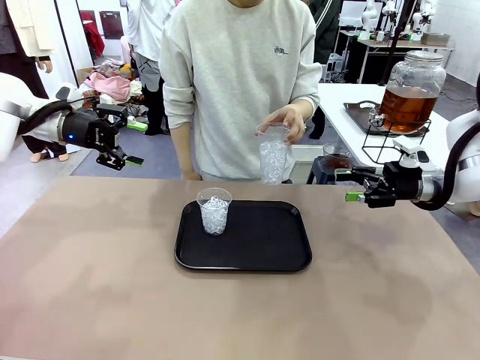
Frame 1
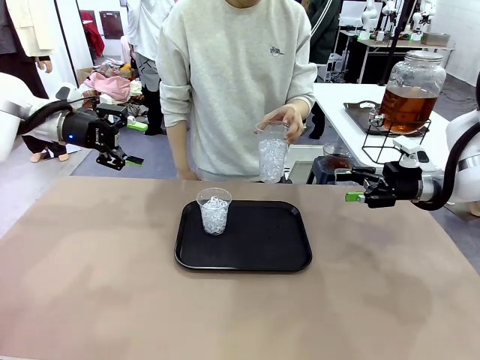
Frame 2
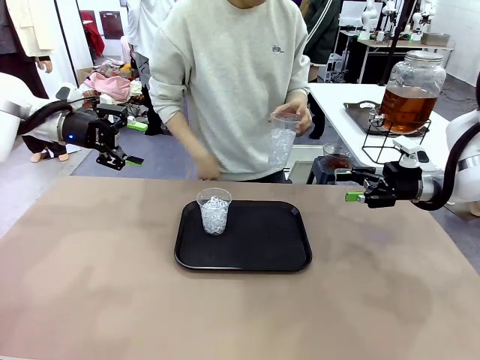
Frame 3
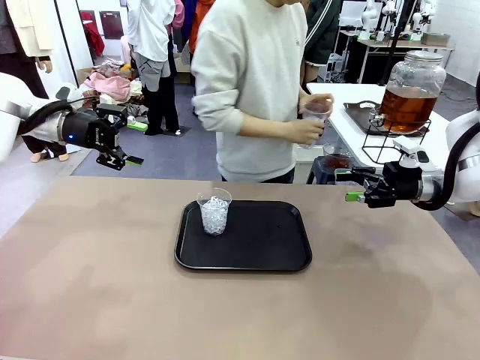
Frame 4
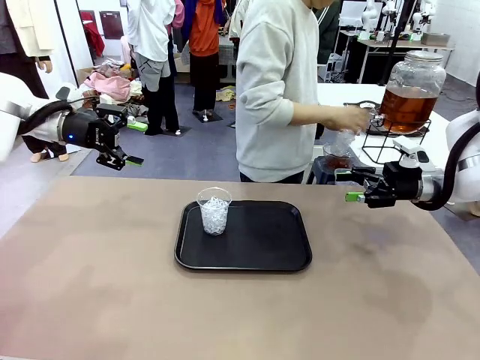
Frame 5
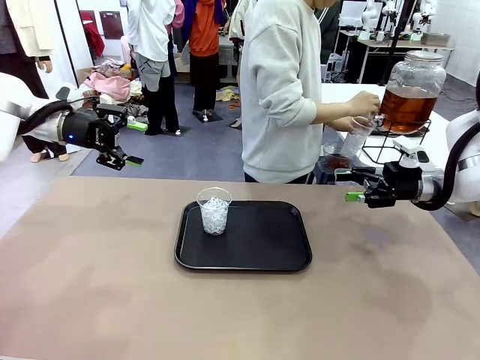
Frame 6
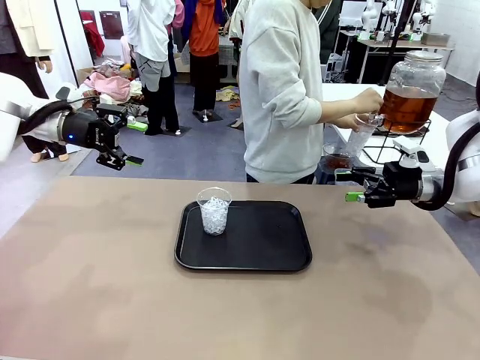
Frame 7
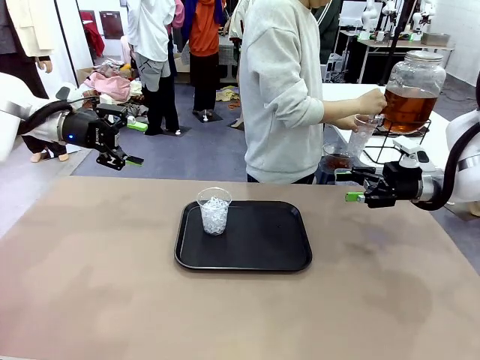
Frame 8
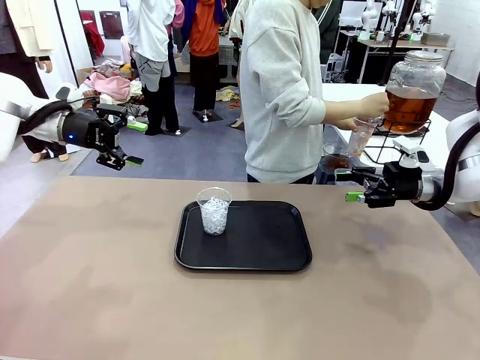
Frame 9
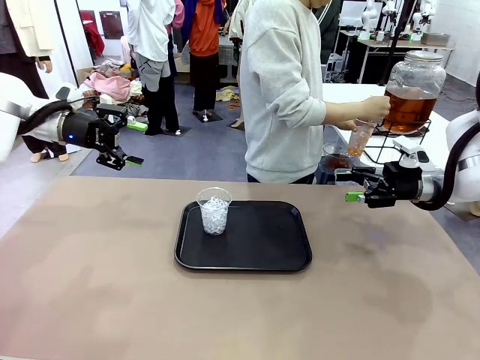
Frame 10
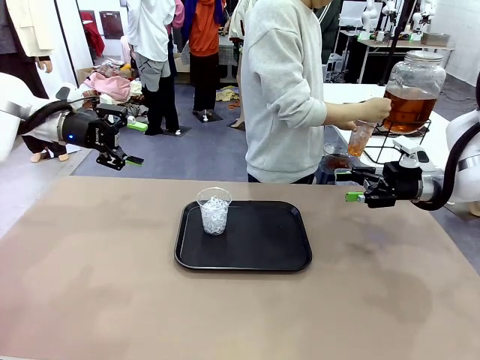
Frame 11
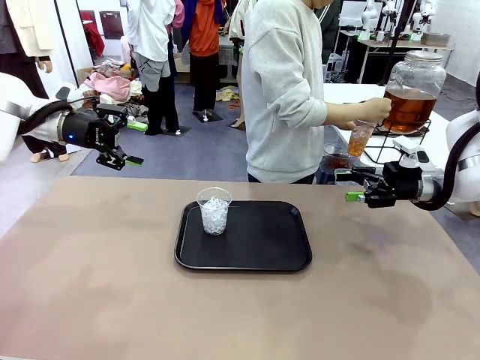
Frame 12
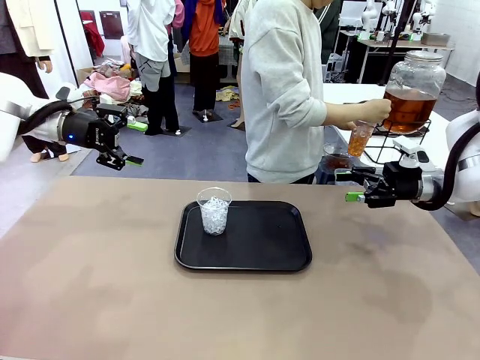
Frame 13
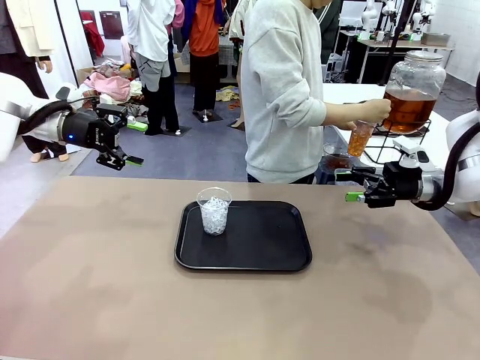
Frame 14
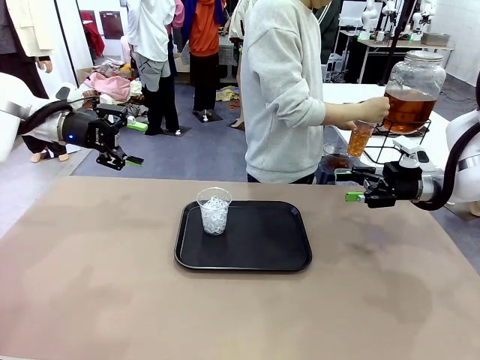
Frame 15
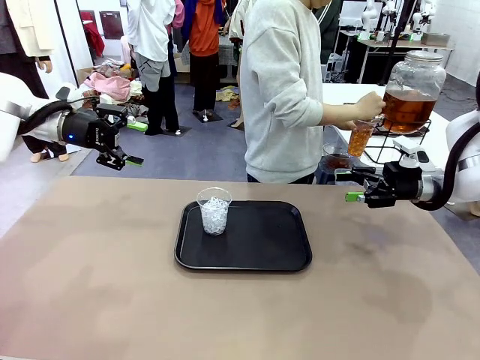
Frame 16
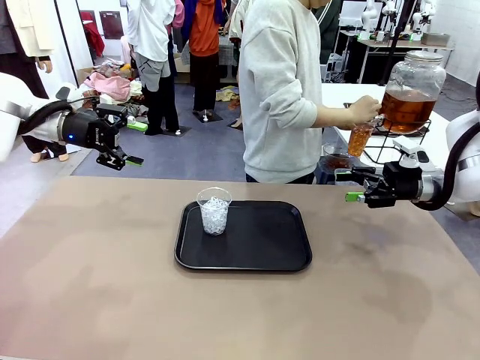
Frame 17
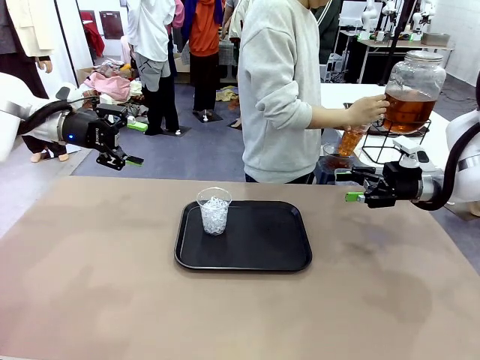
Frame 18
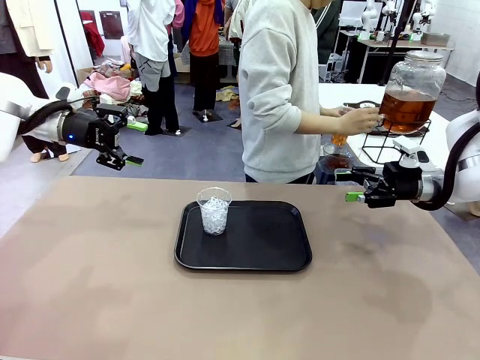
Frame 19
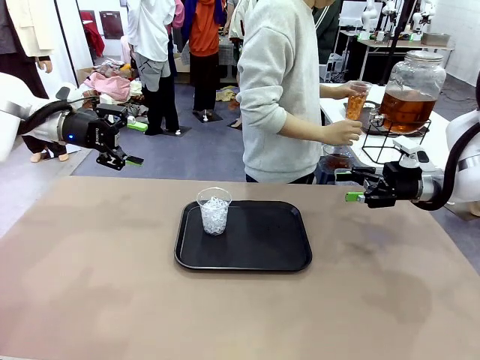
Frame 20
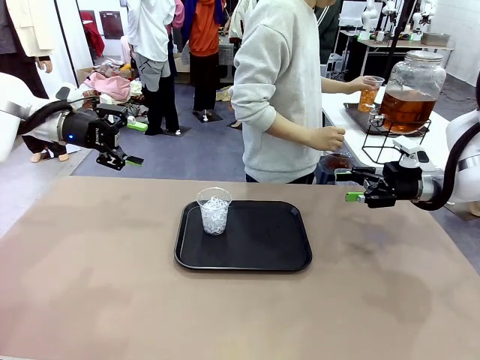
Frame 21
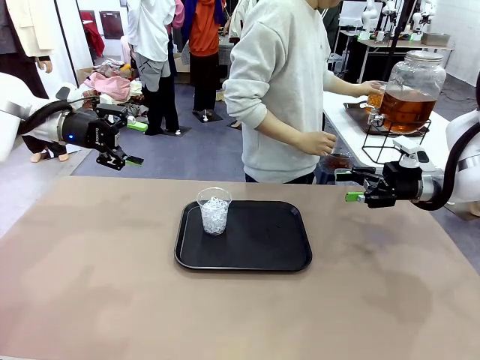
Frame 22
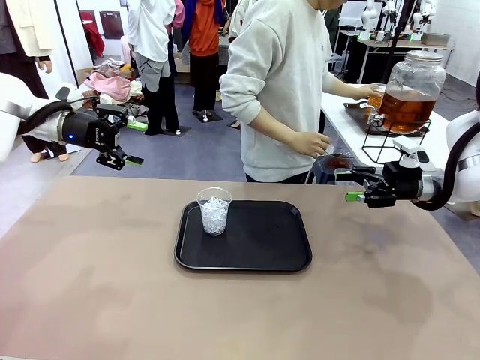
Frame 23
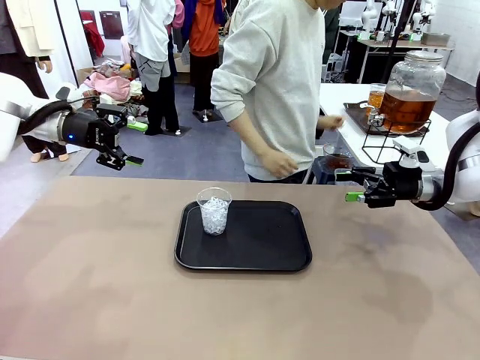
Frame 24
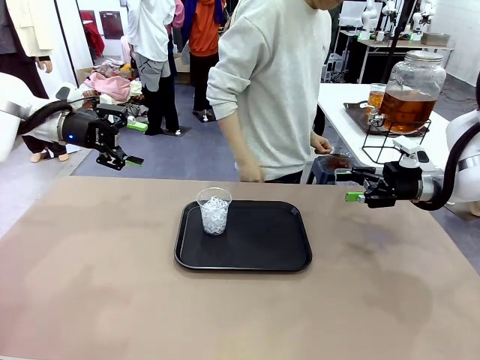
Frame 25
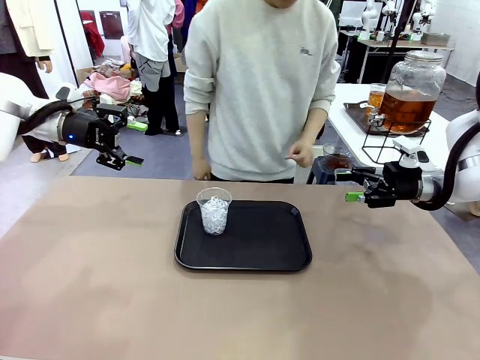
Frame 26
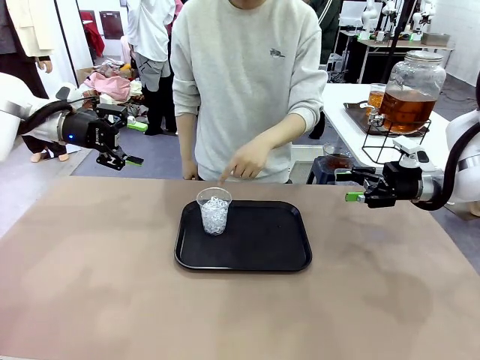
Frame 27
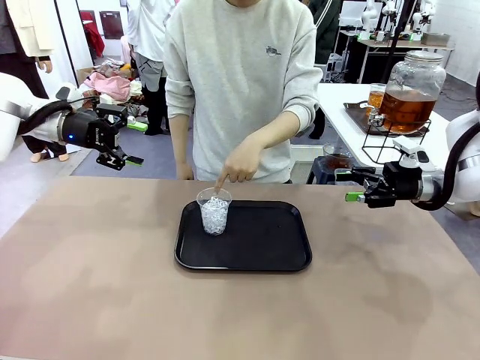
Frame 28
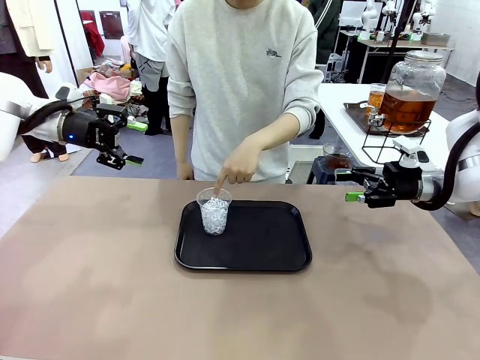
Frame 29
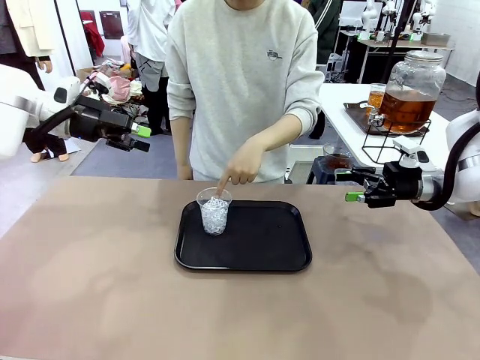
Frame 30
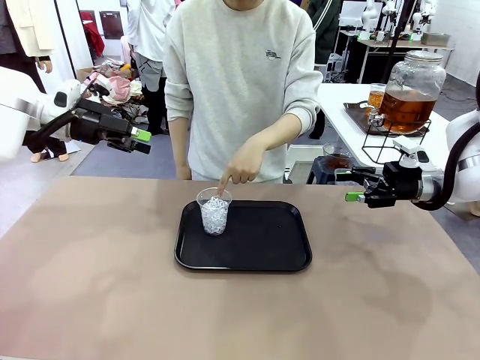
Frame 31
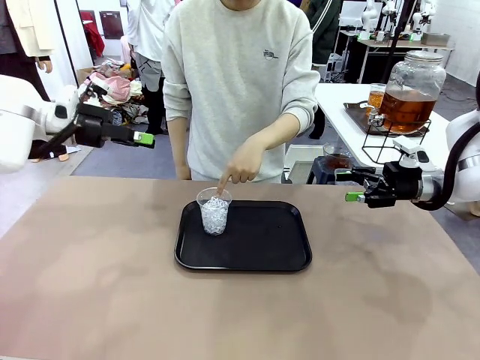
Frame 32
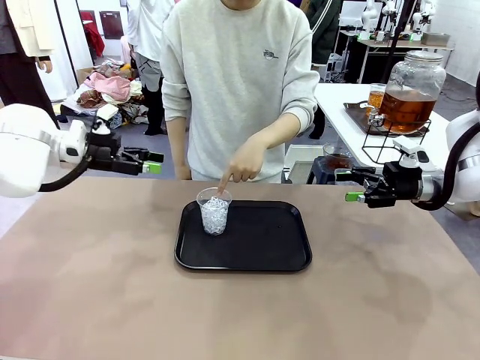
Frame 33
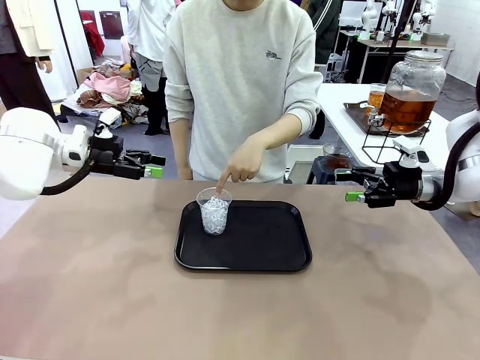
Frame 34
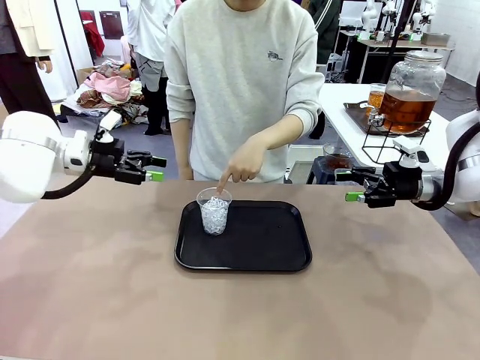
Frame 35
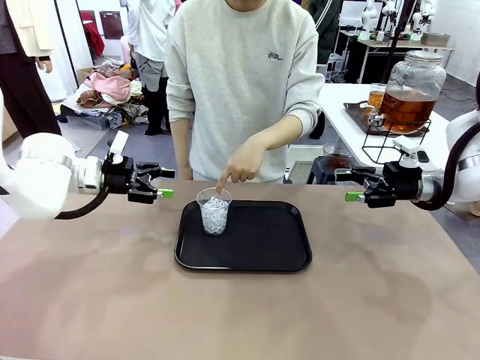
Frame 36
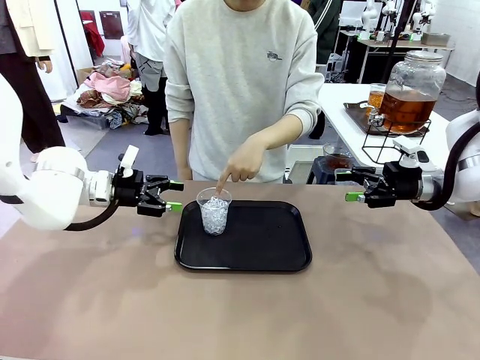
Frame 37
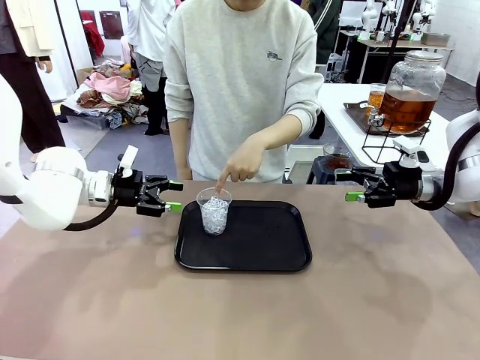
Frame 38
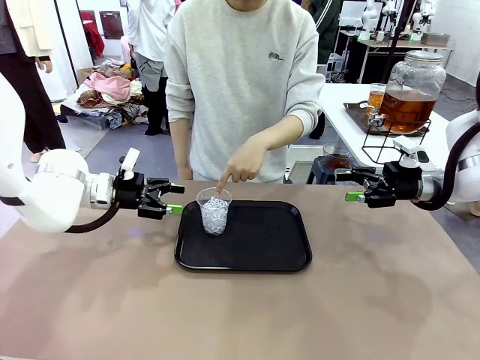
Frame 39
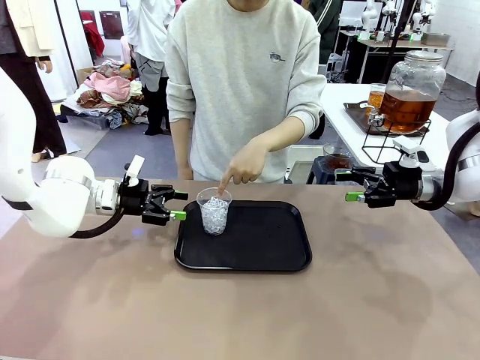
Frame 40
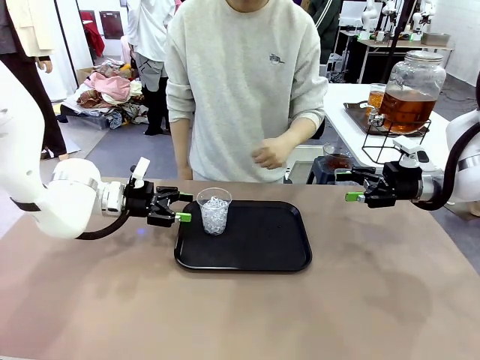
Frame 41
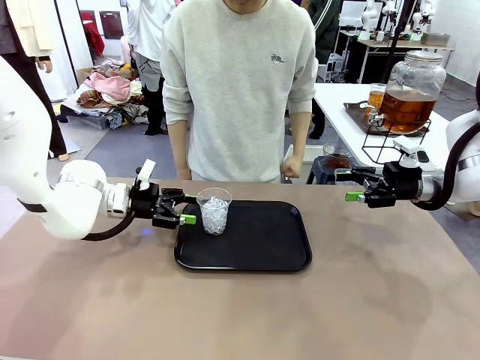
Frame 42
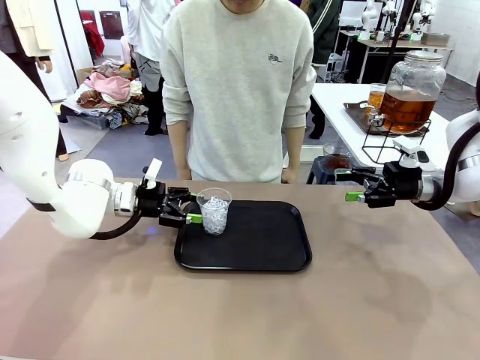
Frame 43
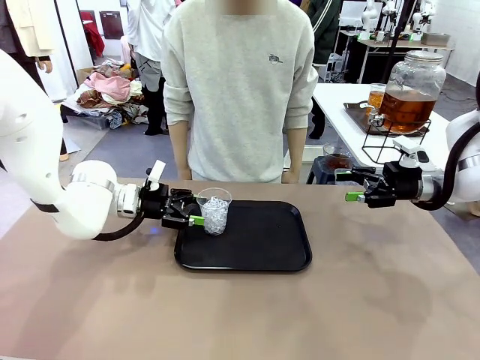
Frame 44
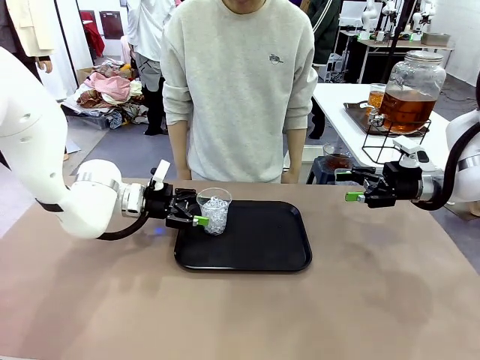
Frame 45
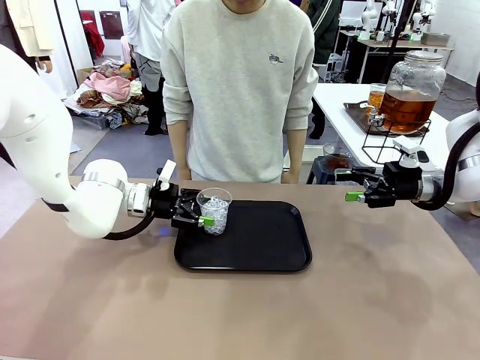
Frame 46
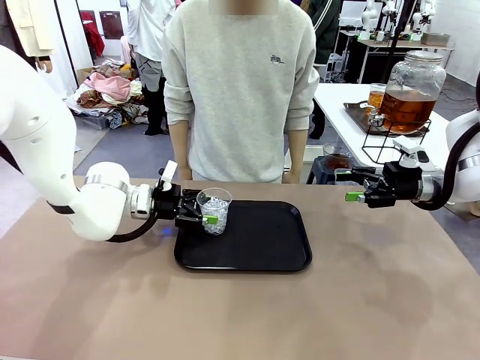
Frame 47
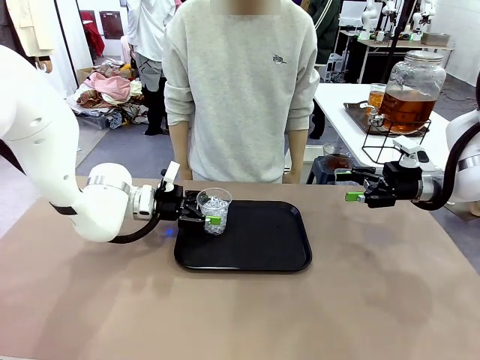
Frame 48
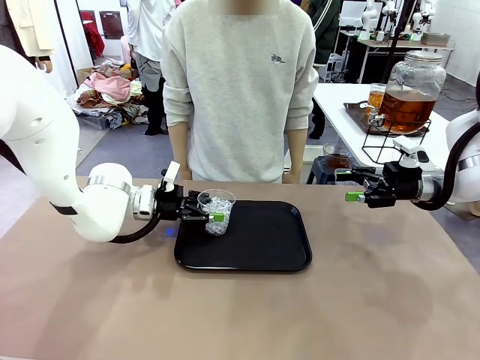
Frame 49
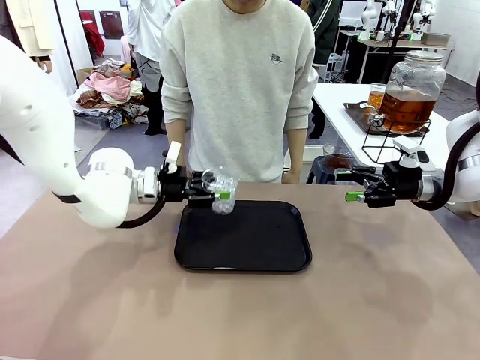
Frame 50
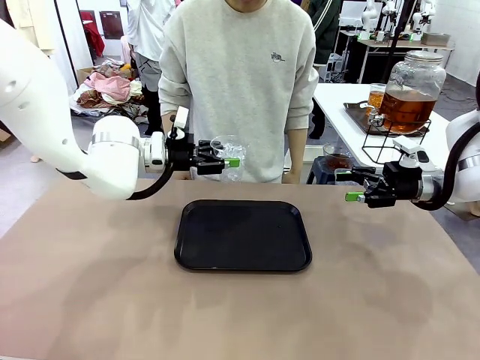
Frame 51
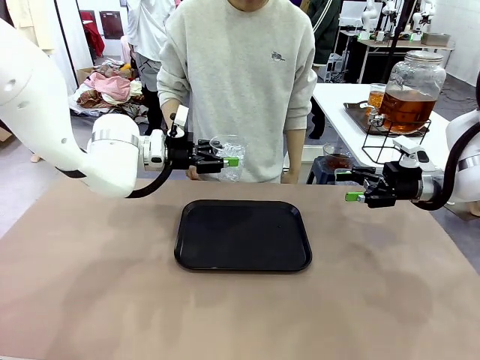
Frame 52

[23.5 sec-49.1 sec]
Task: Pour the drink into the iced cup.
Robot: Pick up the iced cup indicated by the human and present it to them.
Person: Move the picked-up cup under the dispenser faucet, pour the drink, and place it on the tray on the human table. Point to the remaining ice cup on the robot table. Pick up the cup offered by the robot.
